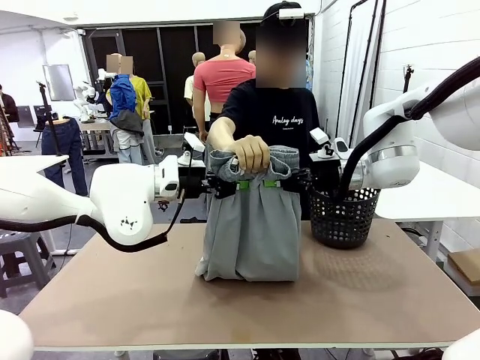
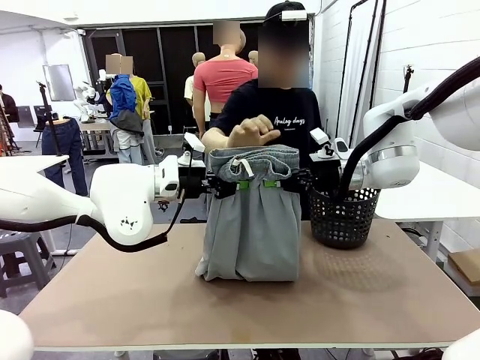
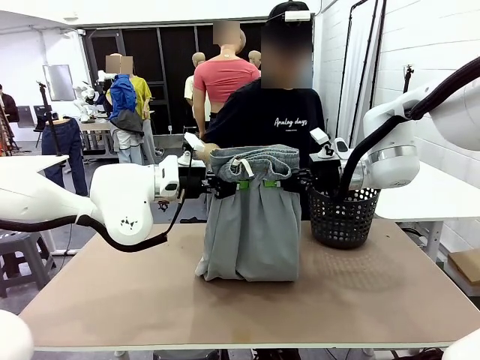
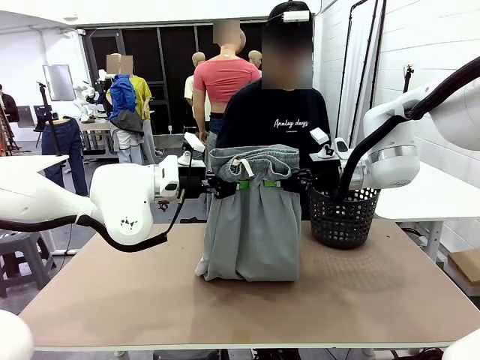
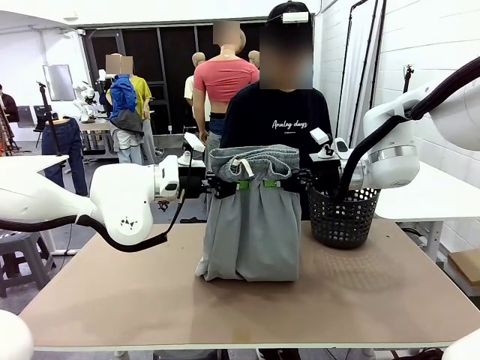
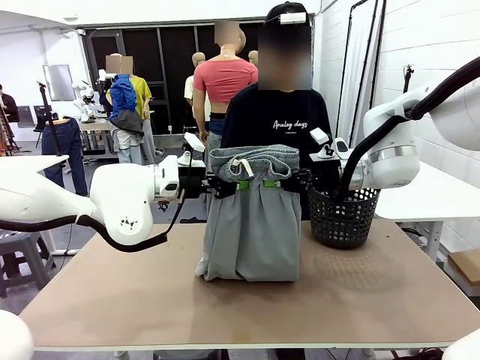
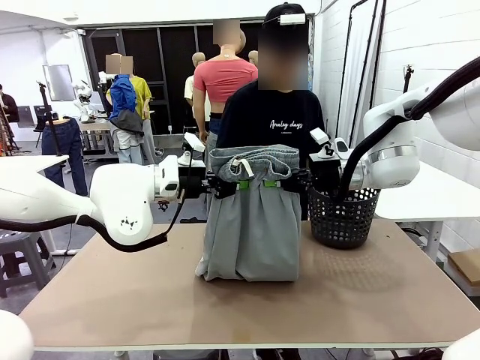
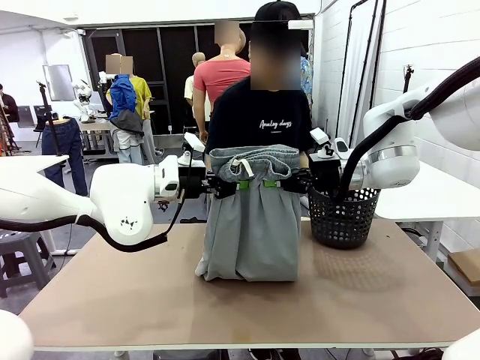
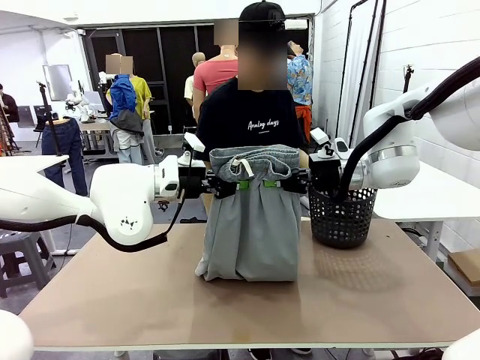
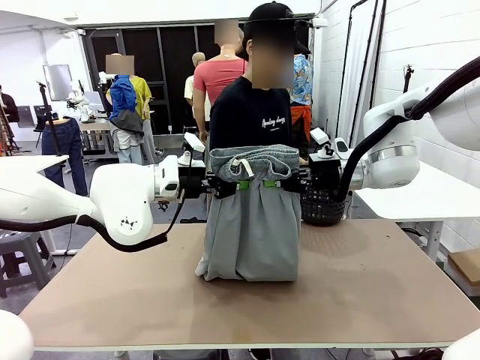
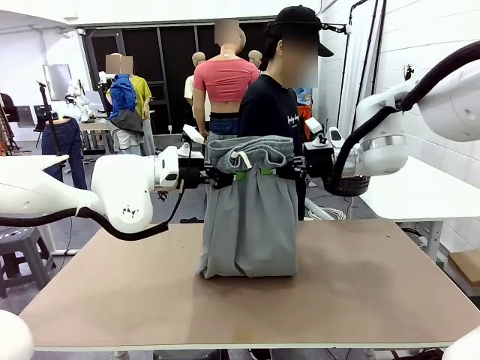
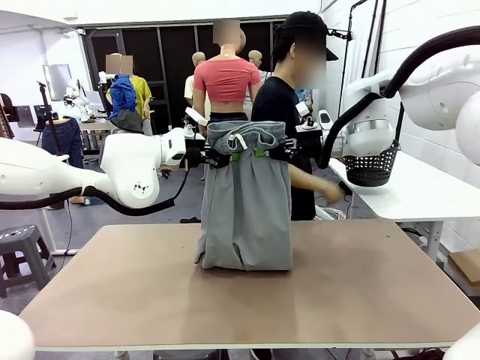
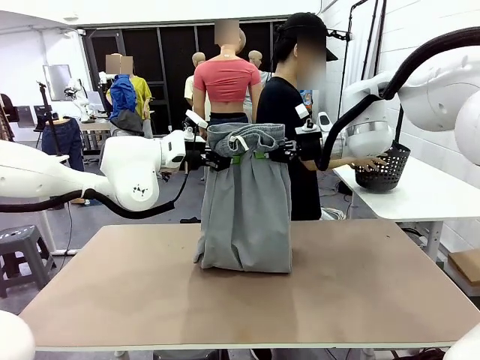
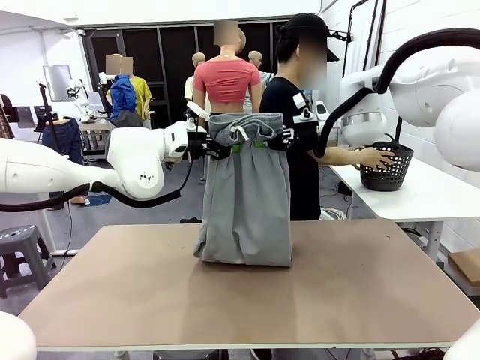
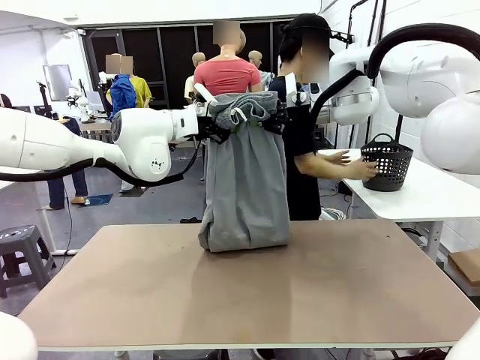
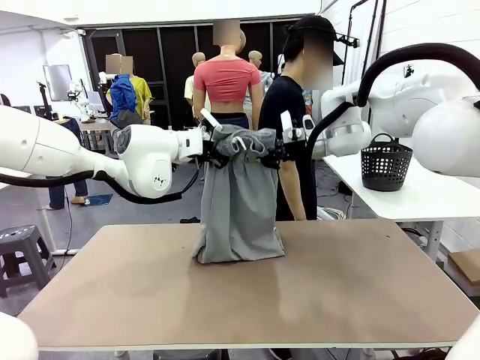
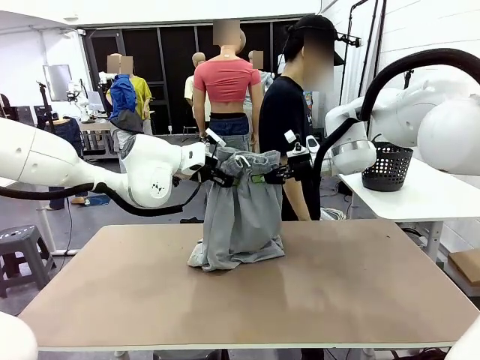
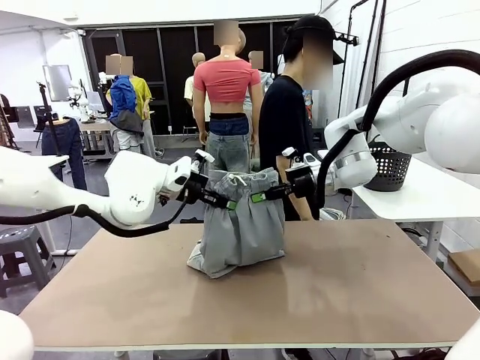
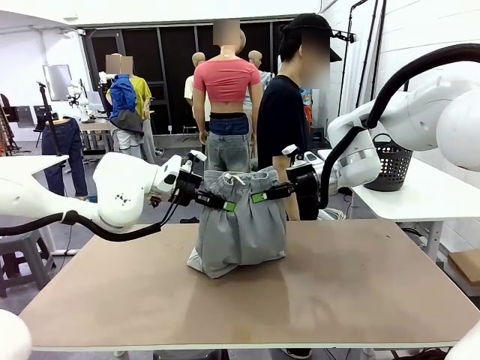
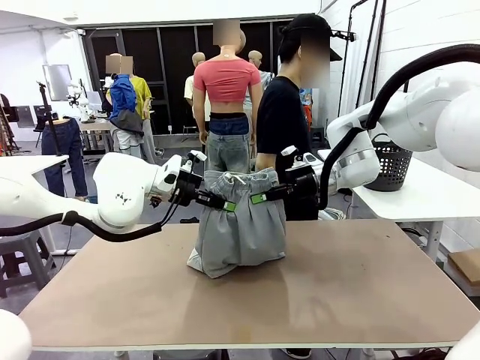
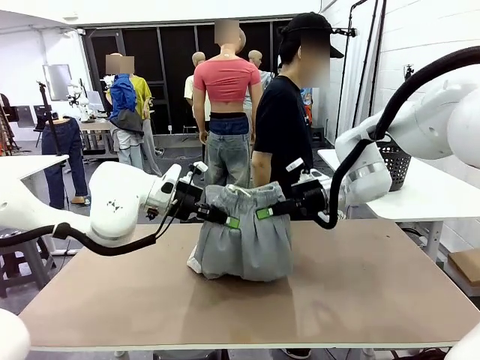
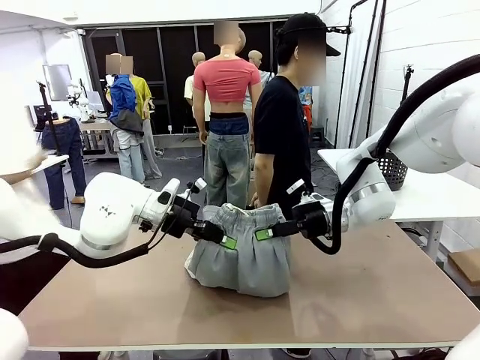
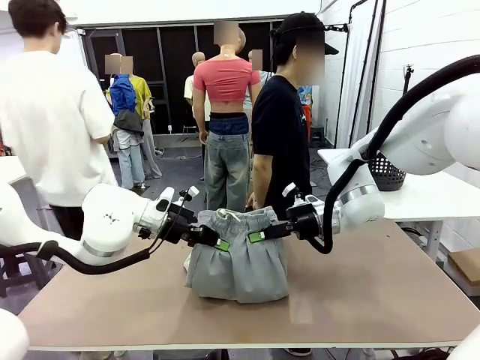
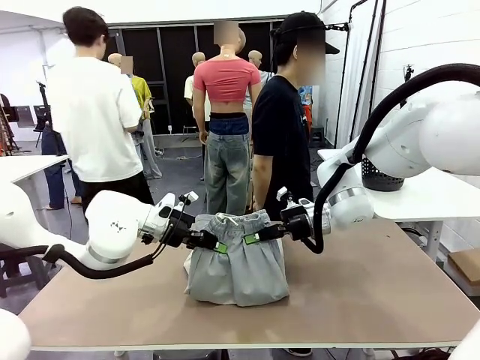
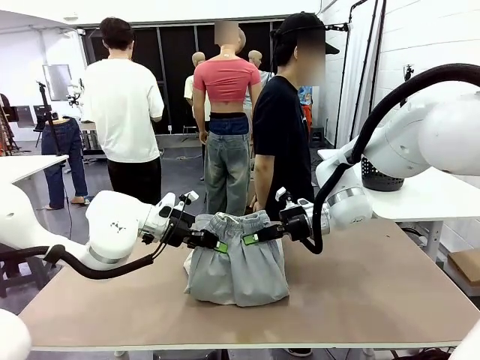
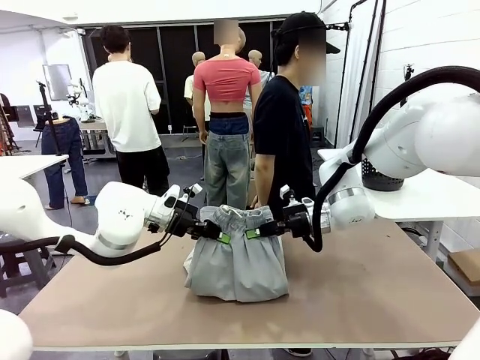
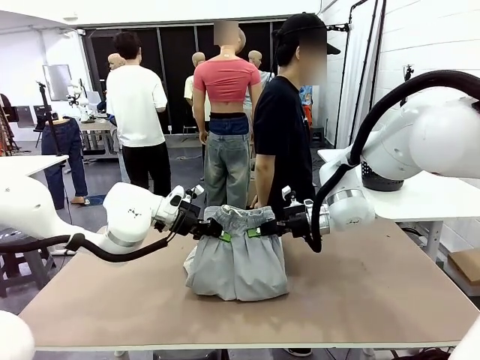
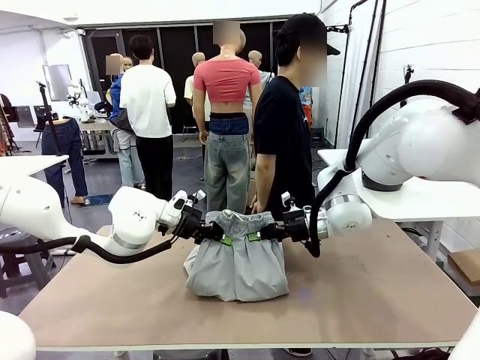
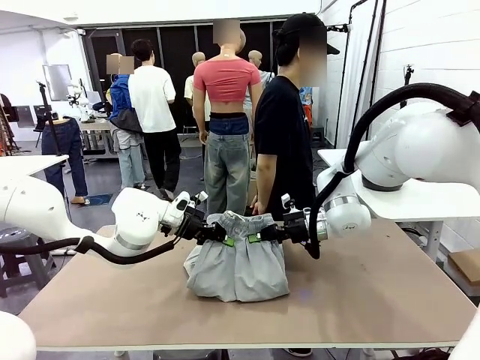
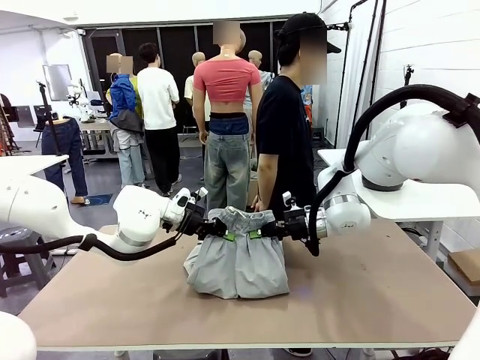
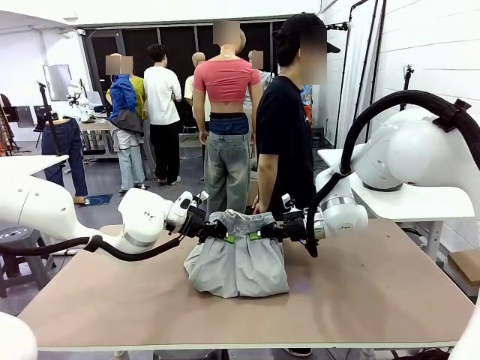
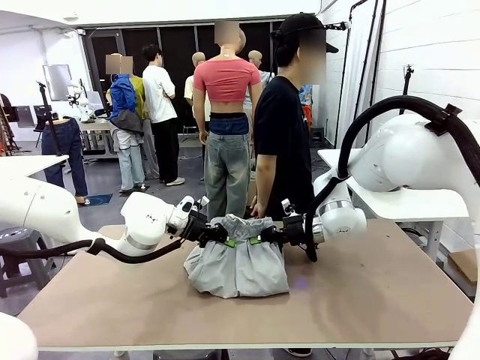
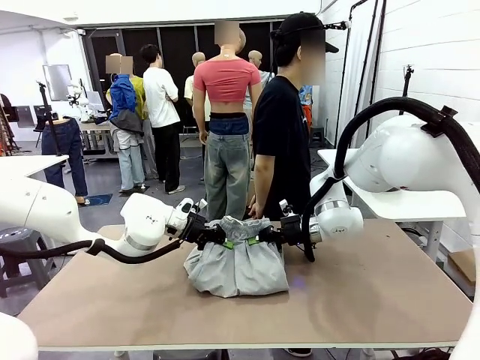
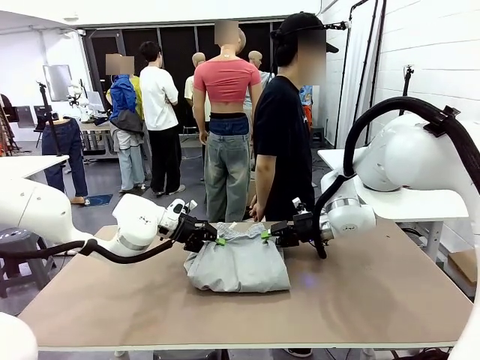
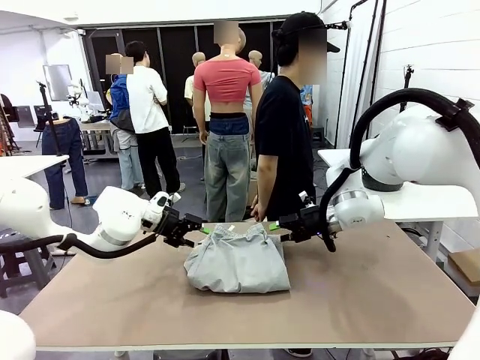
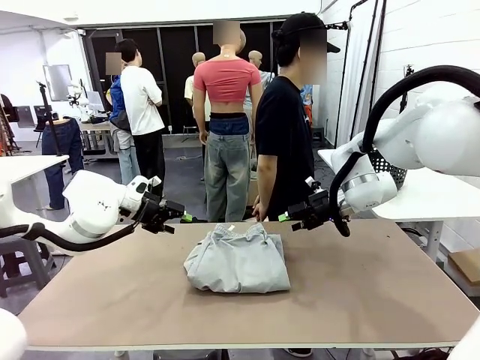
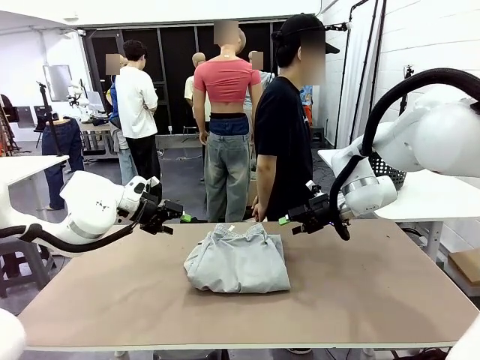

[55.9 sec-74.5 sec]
Task: Fold the training pants.
Robot: Fold the Training pants in half.
Person: Move the laundry basket to the right of the human table.

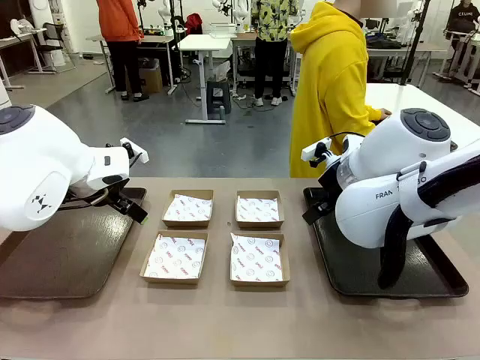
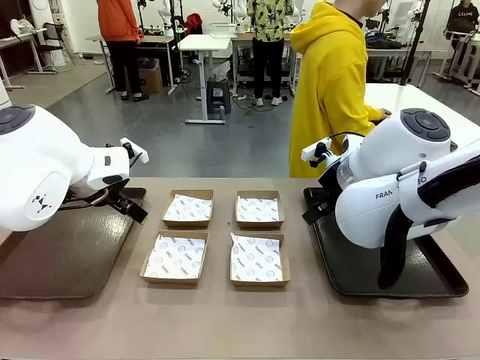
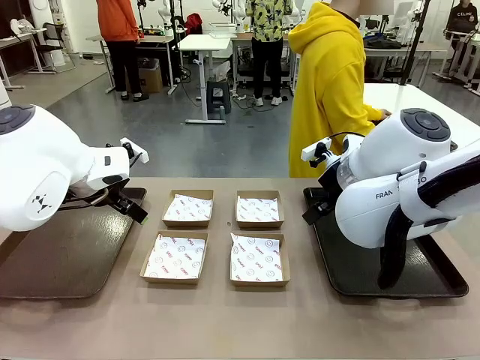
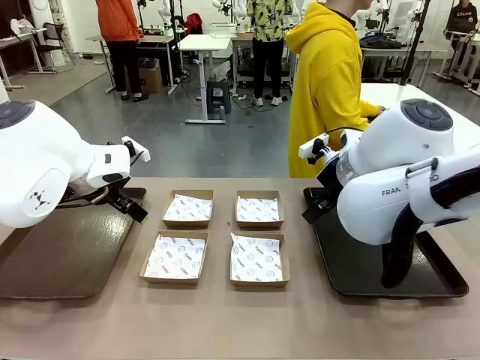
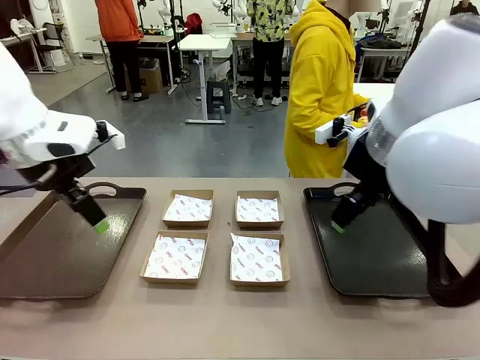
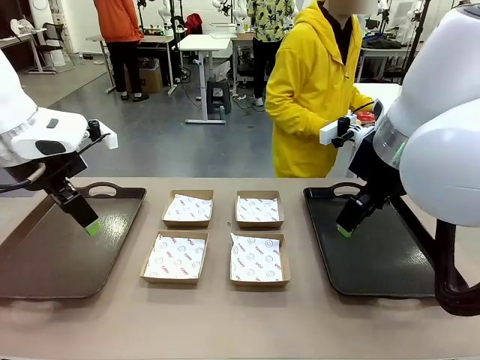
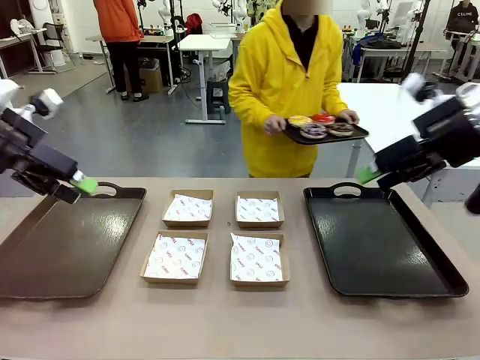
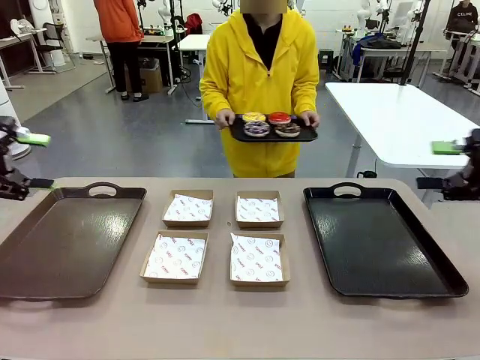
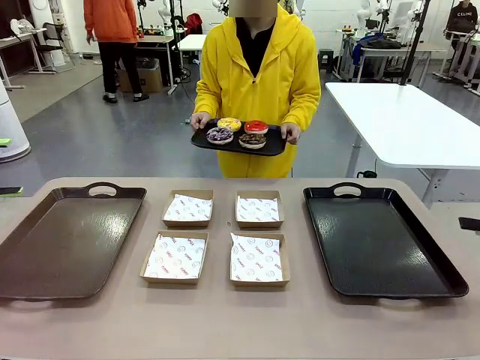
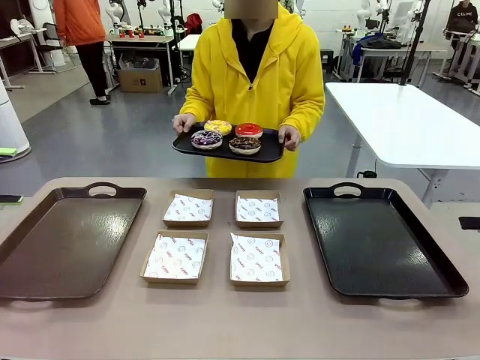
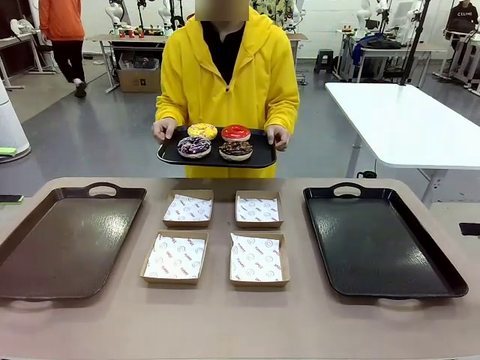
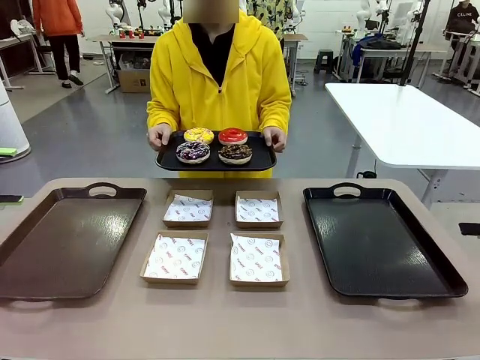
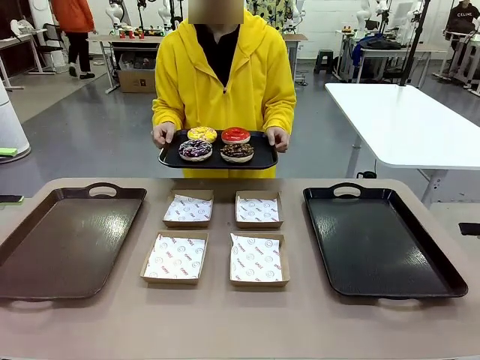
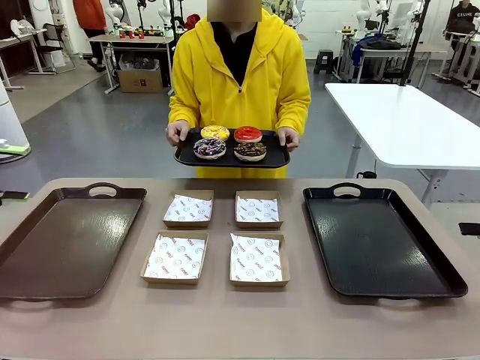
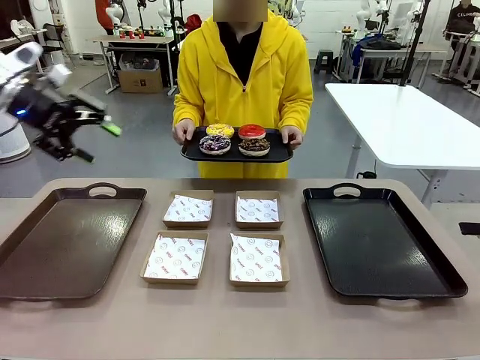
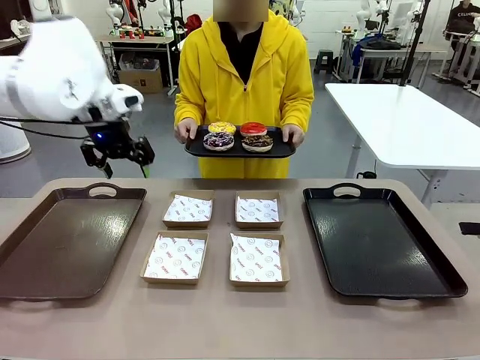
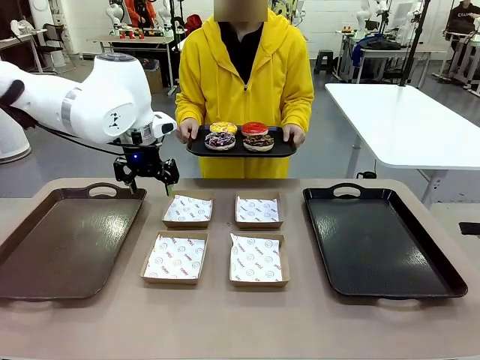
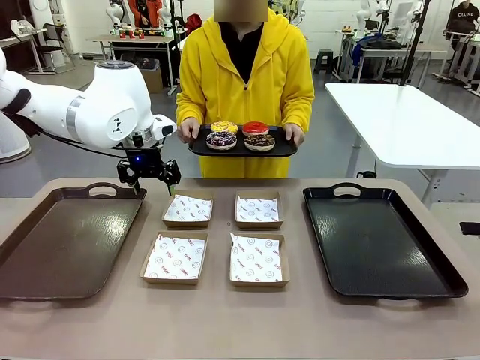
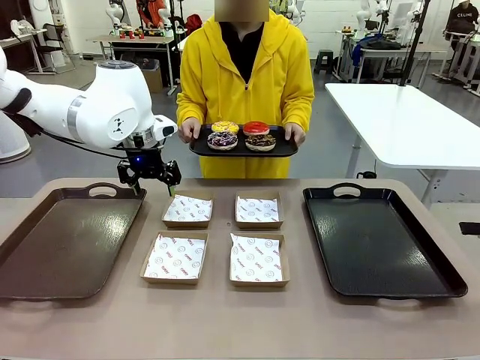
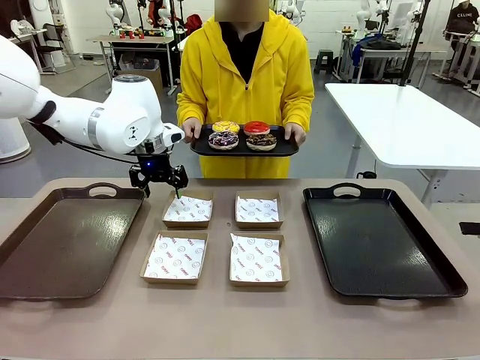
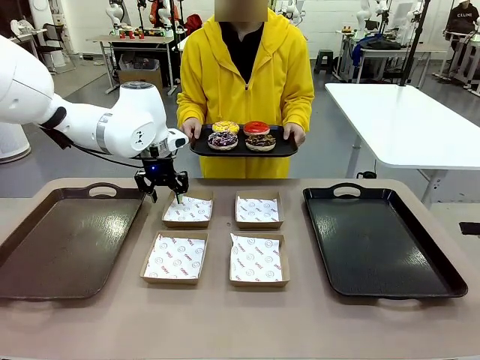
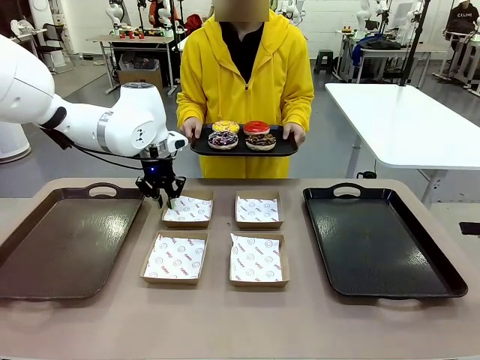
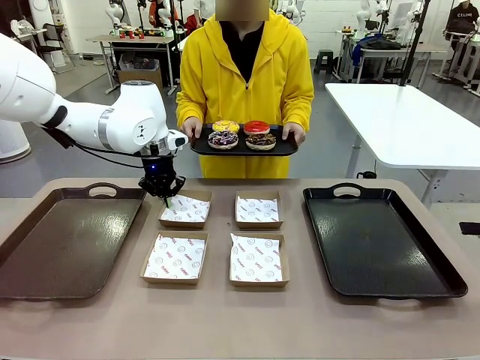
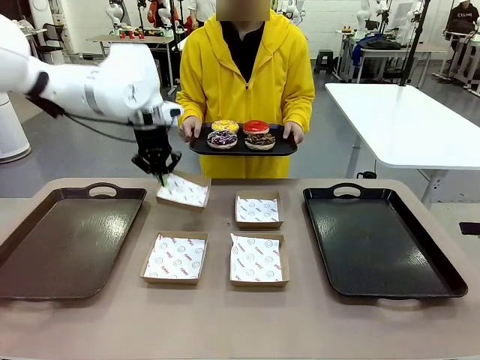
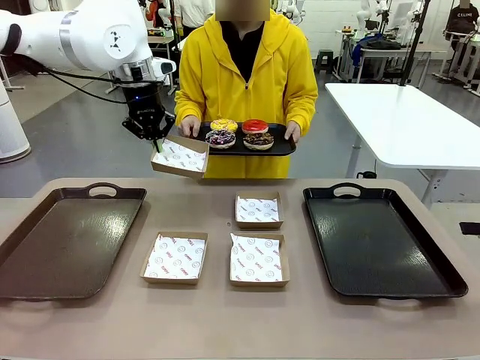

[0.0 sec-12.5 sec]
Task: Individually package the donuts and arrange them on the tray.
Robot: Pick up one Paper togo box.
Person: Stand in front of the robot table holding the tray containing the donuts.
